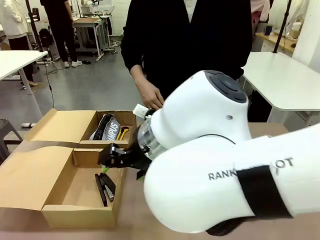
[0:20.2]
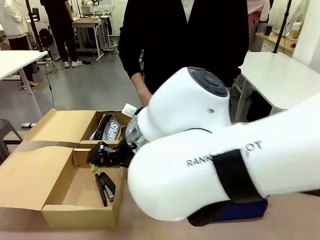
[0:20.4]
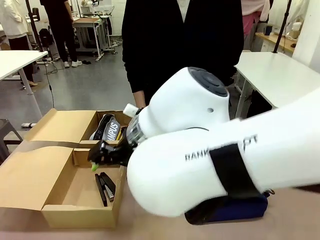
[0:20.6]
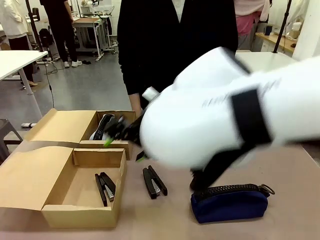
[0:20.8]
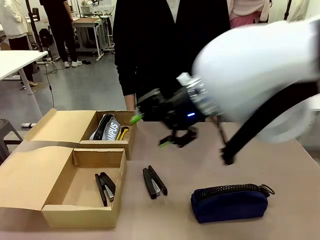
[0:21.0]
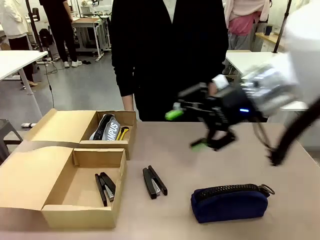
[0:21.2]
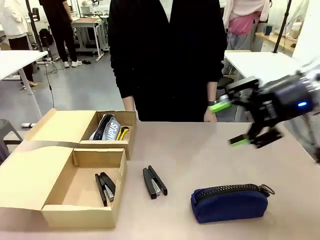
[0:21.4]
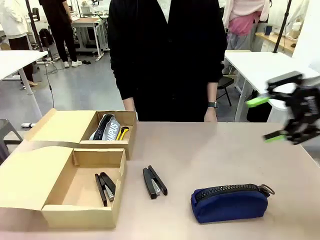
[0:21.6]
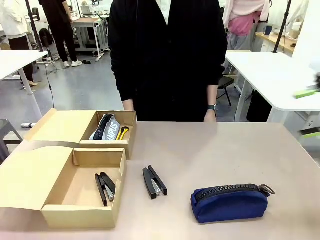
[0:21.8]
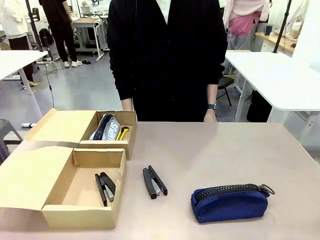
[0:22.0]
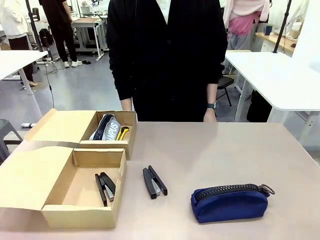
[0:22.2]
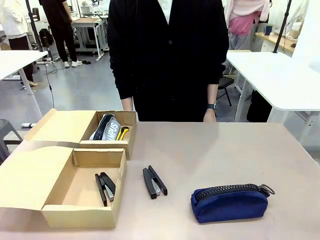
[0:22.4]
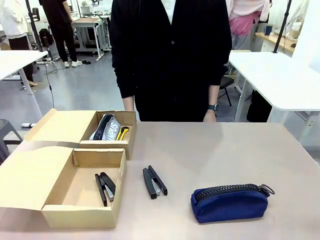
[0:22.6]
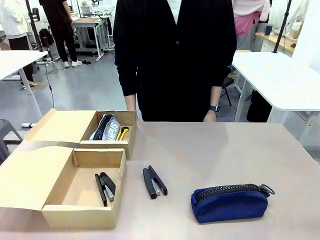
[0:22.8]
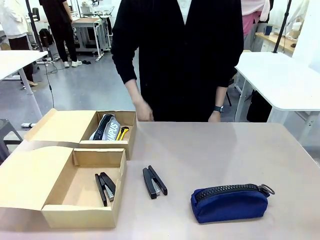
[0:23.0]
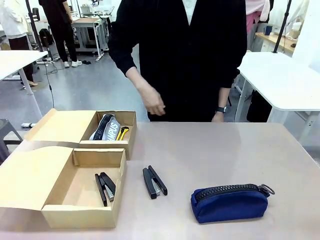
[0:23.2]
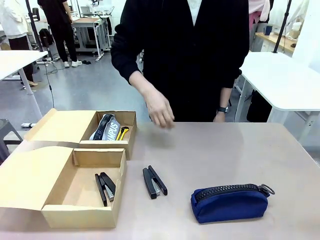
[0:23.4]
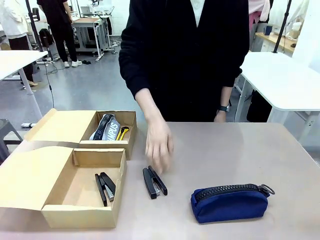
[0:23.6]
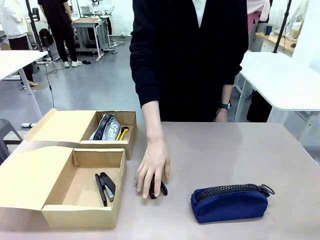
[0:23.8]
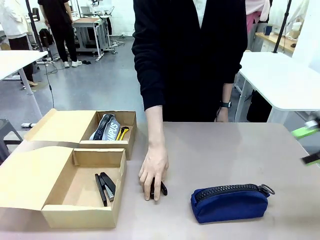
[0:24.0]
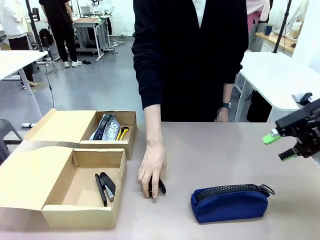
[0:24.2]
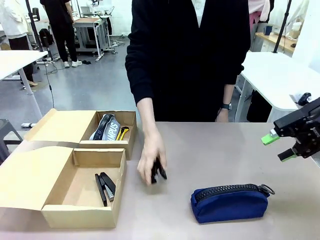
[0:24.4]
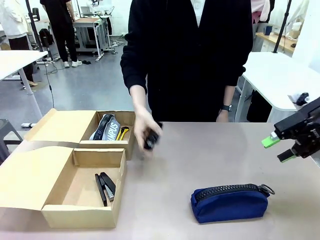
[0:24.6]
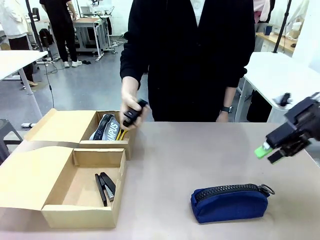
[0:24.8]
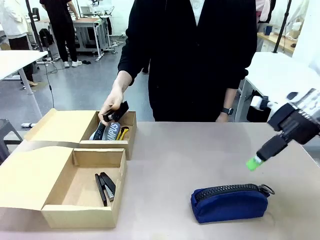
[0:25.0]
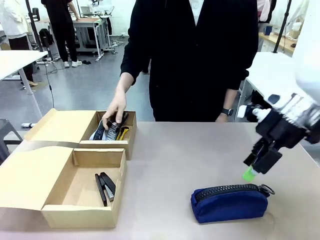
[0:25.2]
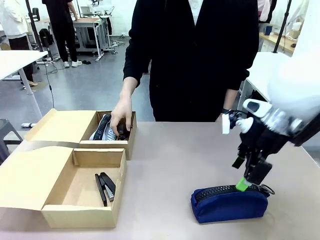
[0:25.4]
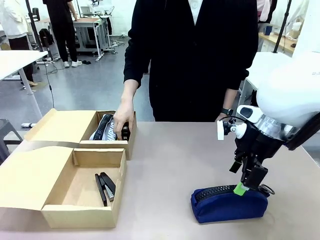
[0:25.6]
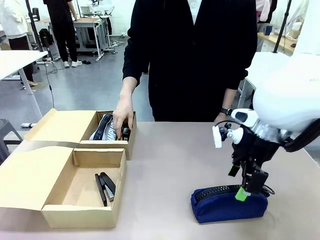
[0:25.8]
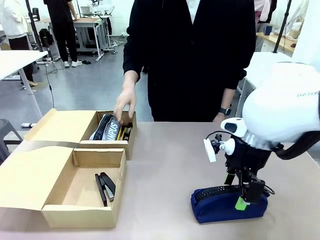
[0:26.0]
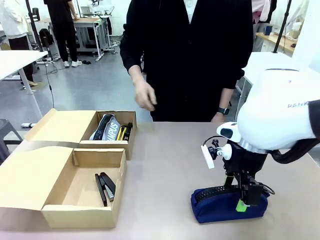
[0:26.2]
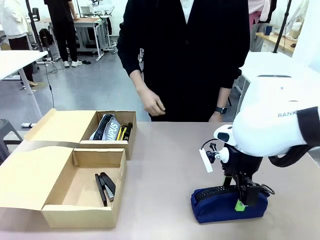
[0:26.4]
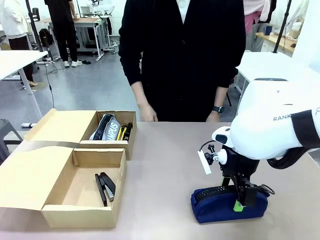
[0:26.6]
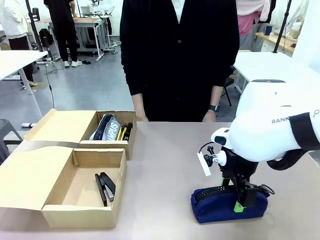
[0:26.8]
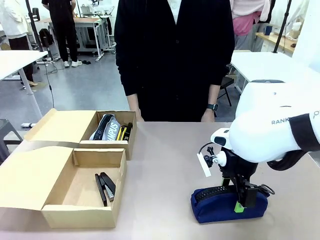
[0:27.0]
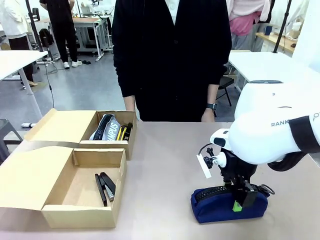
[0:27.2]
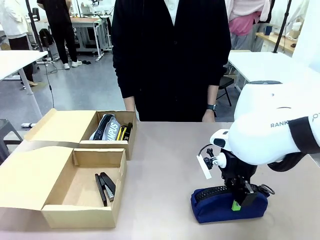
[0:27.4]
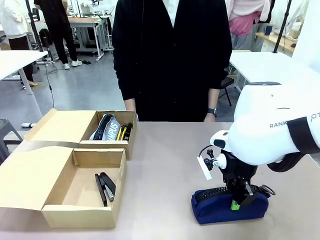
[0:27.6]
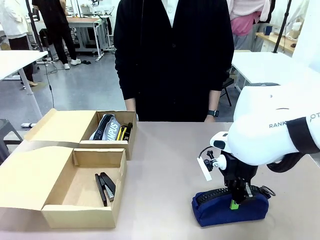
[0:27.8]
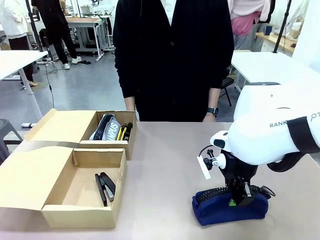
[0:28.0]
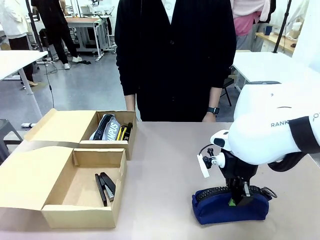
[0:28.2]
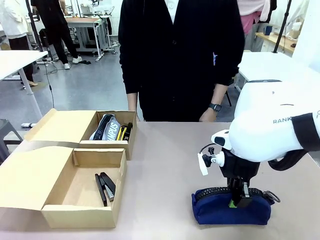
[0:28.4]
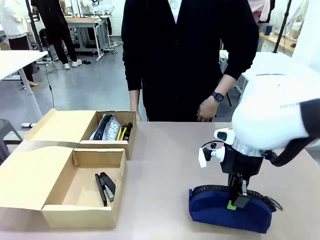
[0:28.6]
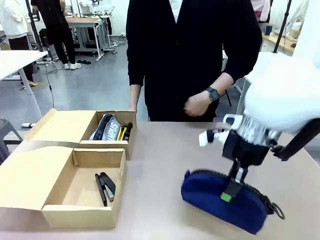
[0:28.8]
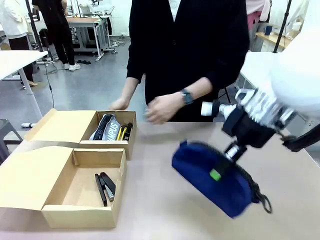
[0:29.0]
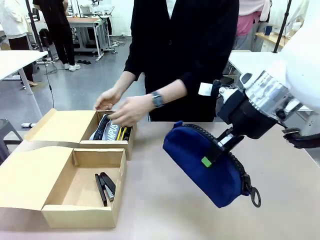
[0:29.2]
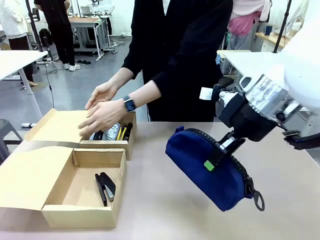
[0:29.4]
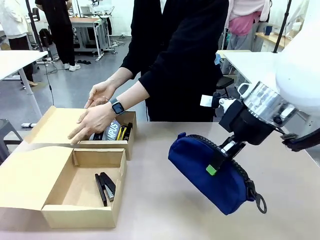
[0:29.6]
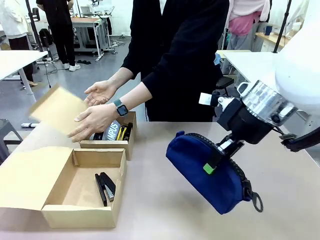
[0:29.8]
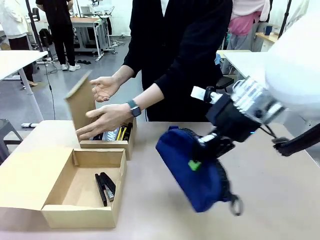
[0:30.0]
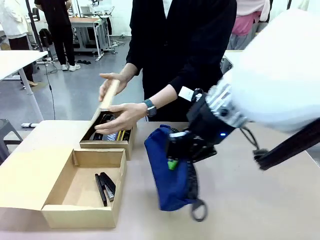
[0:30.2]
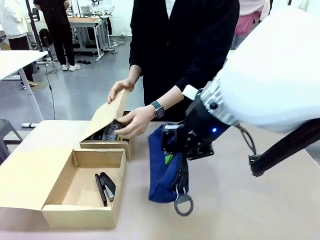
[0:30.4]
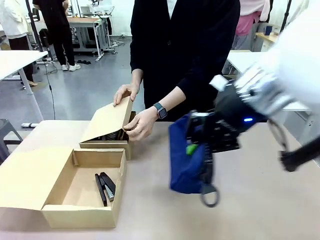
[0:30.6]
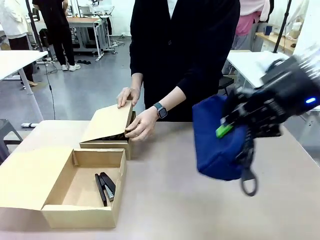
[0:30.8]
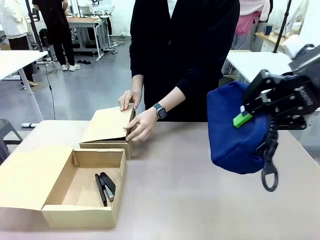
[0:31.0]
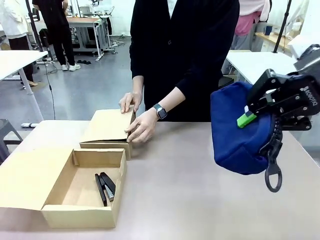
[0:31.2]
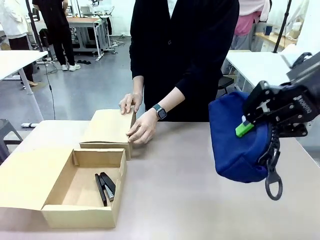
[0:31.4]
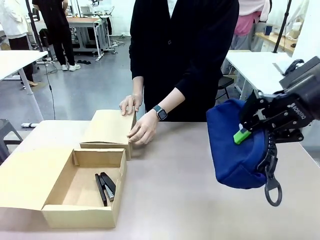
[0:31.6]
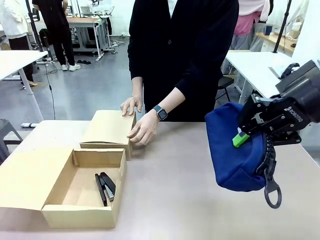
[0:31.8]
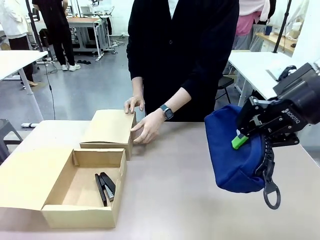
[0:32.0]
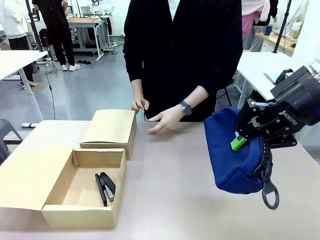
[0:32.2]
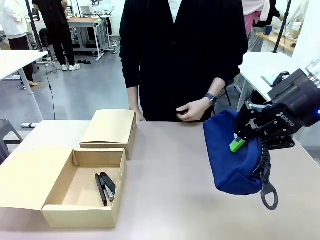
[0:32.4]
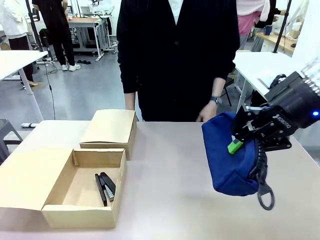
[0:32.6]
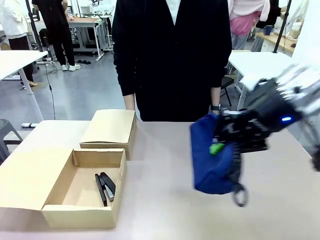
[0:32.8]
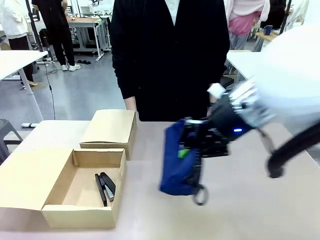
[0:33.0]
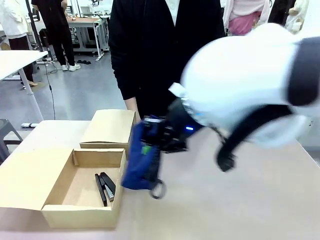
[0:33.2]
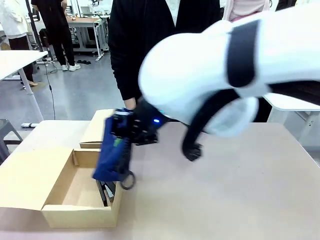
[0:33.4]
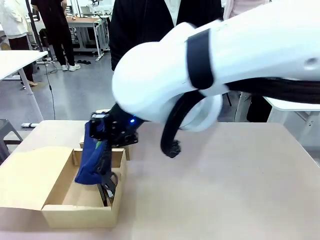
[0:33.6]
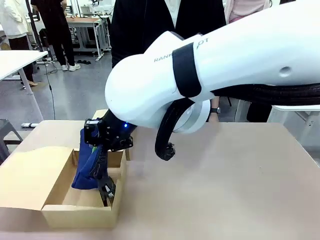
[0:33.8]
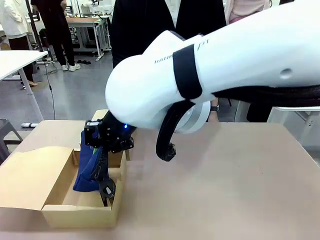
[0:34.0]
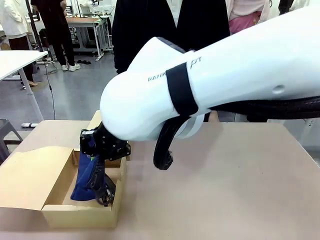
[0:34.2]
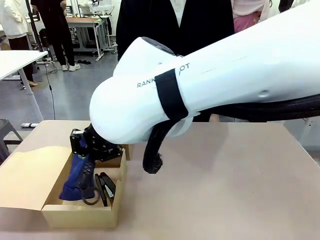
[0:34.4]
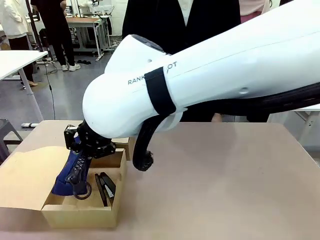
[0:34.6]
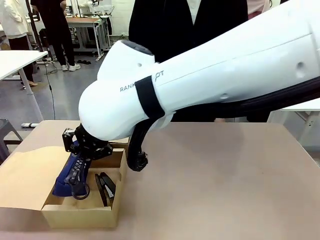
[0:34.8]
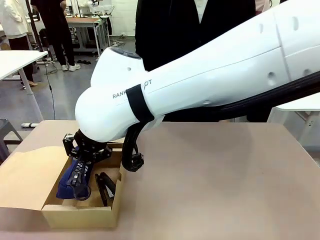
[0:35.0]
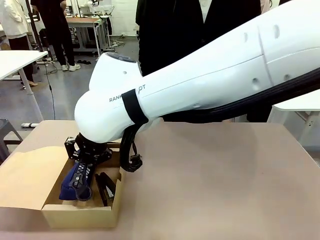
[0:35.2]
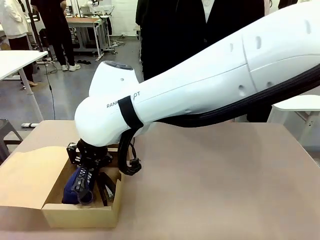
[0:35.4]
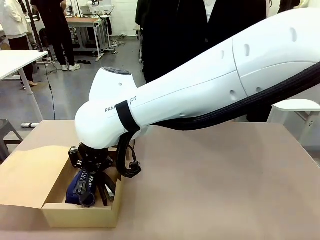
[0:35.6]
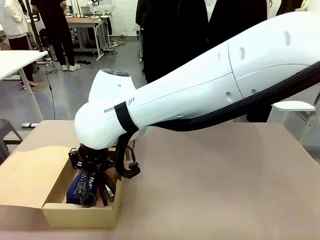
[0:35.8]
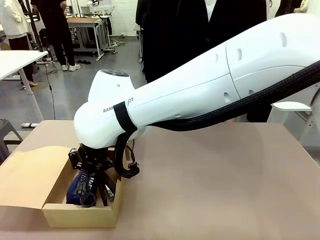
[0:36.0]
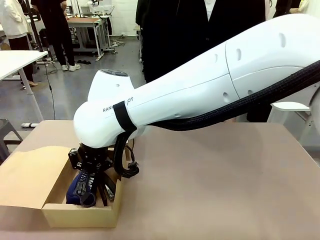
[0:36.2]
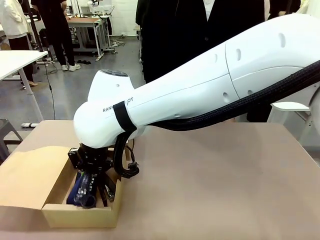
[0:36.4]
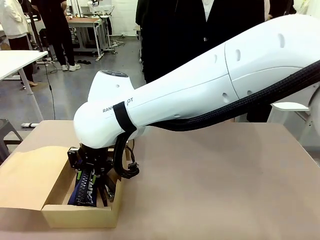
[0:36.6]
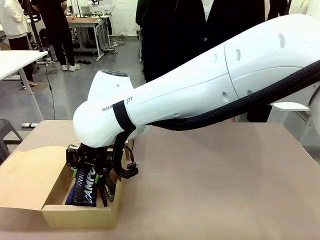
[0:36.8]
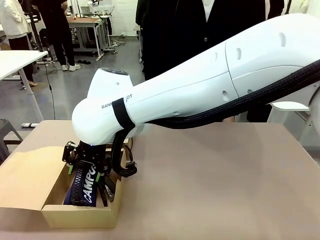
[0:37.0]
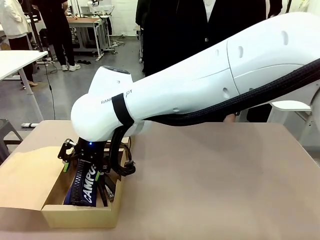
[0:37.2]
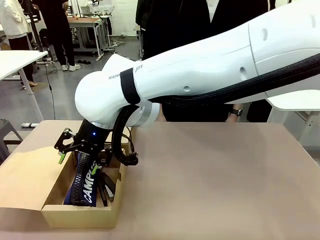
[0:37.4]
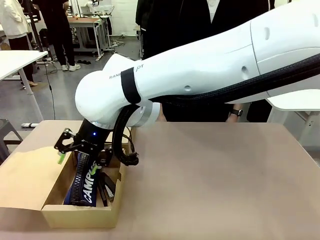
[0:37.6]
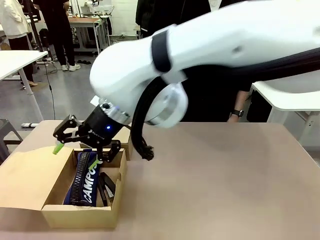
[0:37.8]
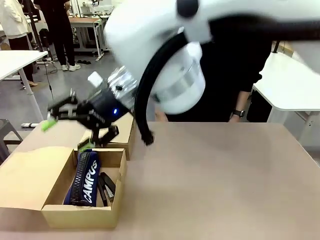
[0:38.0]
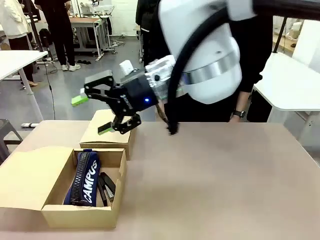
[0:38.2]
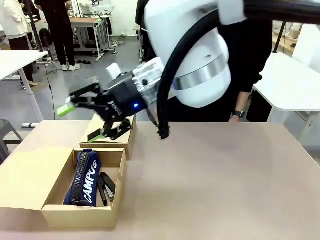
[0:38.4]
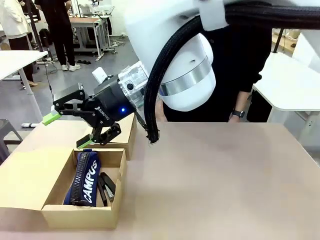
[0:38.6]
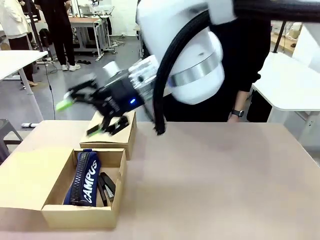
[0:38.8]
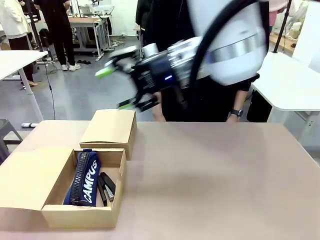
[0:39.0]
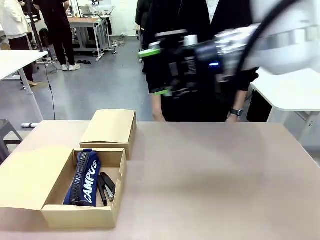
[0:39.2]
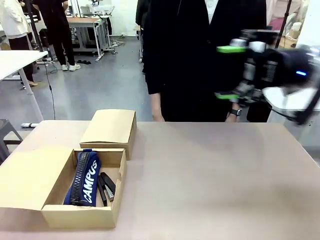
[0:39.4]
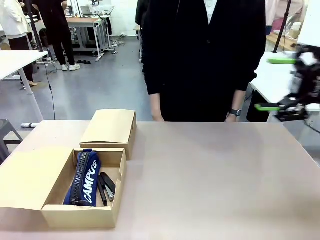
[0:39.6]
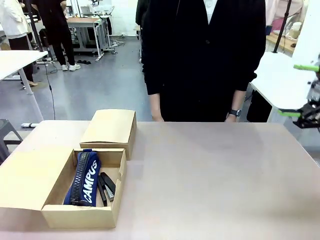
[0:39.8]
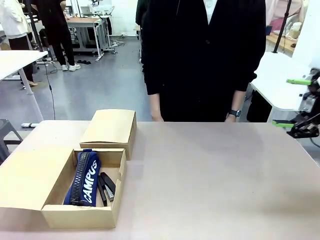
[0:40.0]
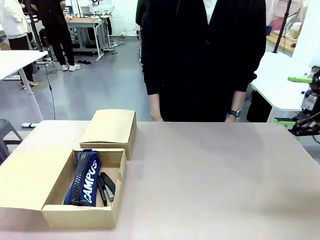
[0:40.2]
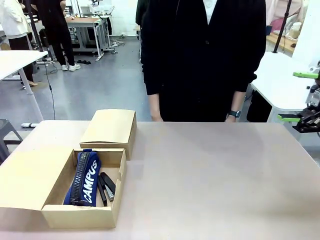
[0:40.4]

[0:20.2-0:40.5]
Task: Place items inside the box.
Robot: Pick up a Pencil pouch or Stapler and place it inside the Mailer Box closest to the robot.
Person: Close the lid of the box facing the person.
